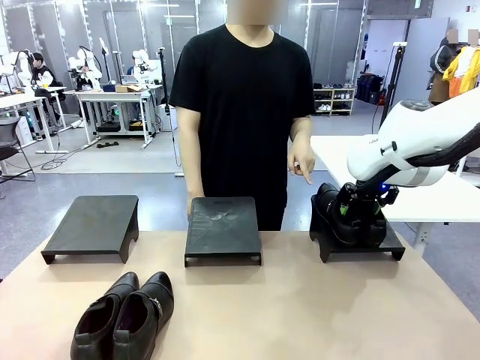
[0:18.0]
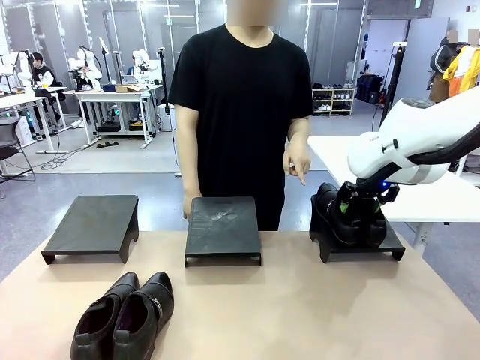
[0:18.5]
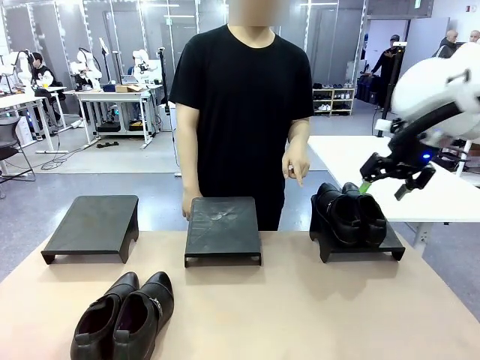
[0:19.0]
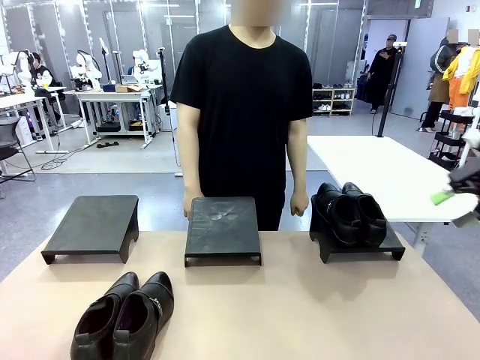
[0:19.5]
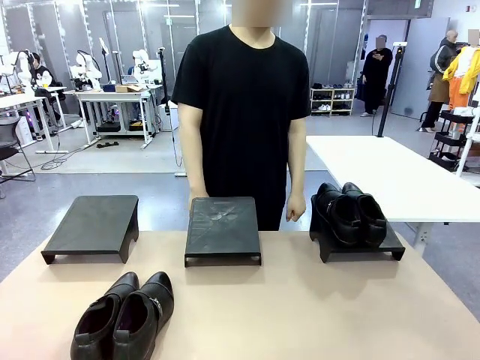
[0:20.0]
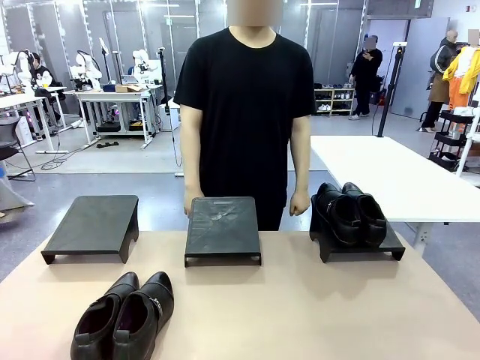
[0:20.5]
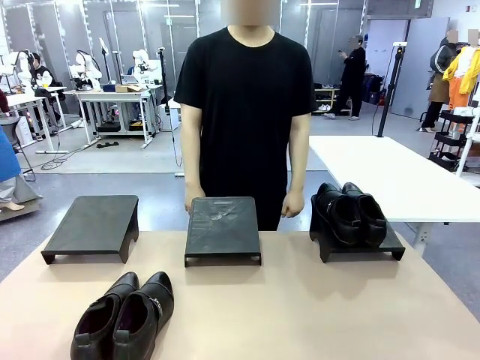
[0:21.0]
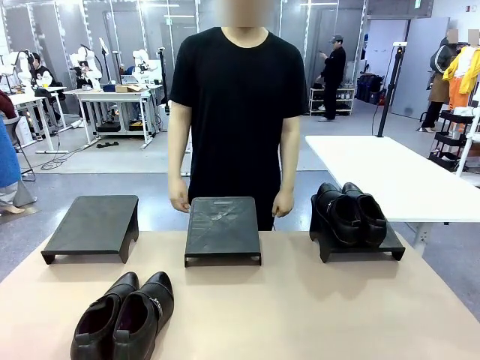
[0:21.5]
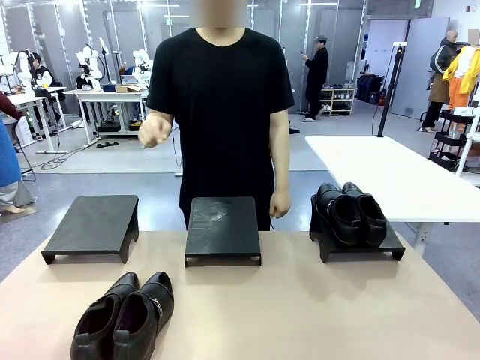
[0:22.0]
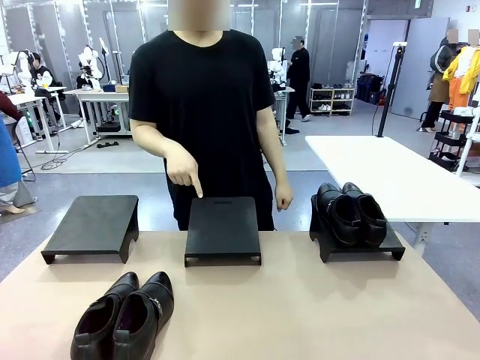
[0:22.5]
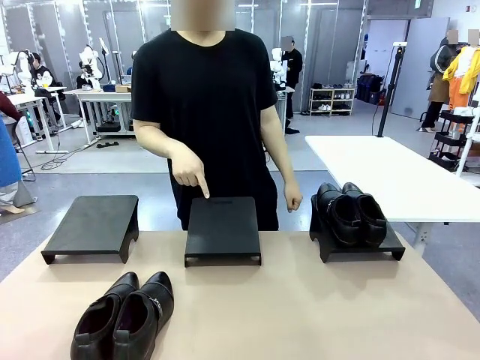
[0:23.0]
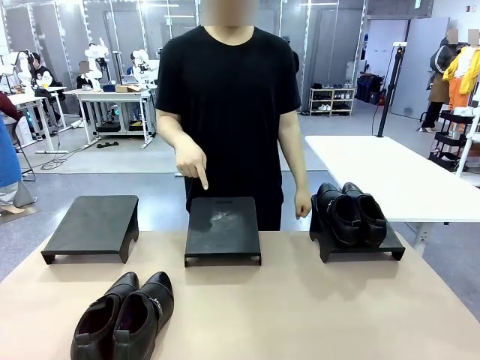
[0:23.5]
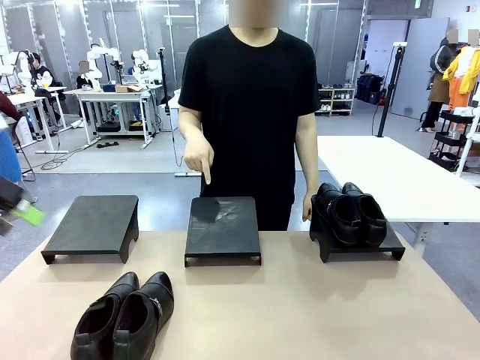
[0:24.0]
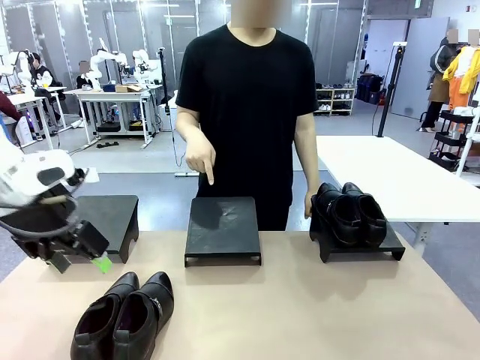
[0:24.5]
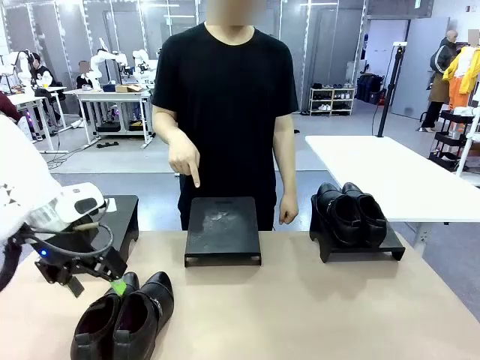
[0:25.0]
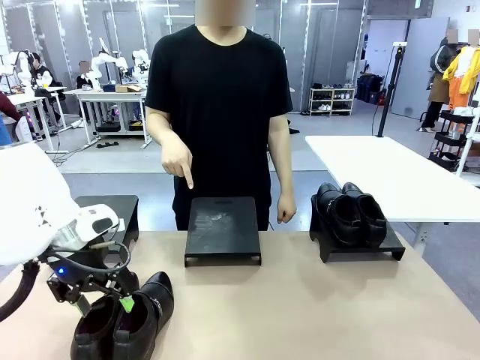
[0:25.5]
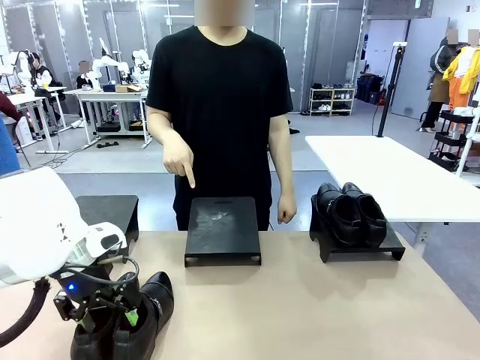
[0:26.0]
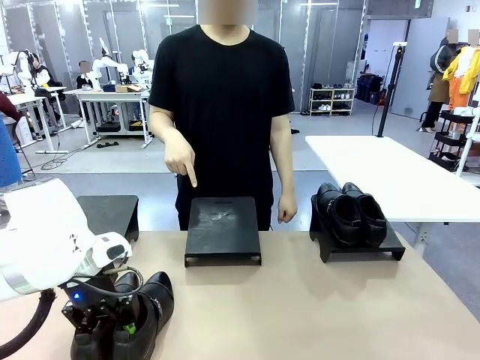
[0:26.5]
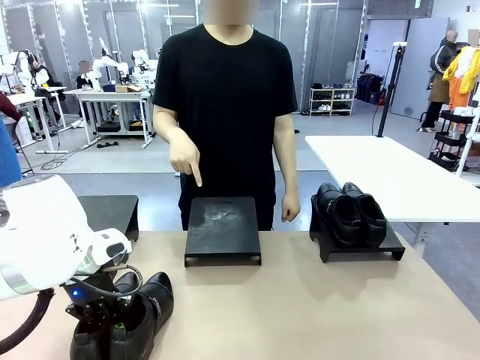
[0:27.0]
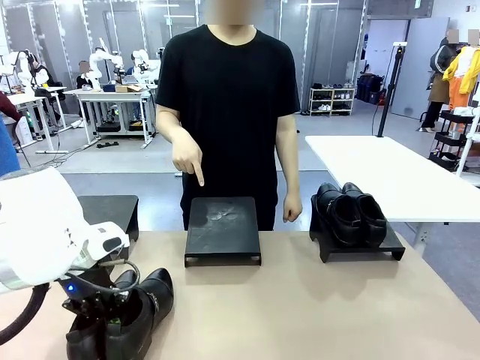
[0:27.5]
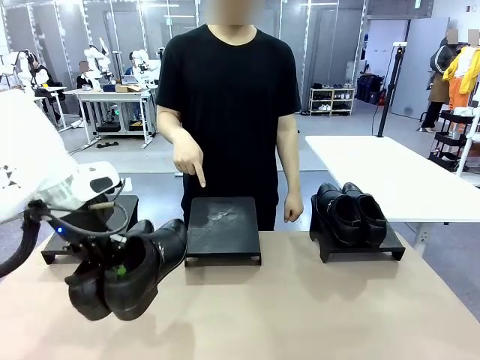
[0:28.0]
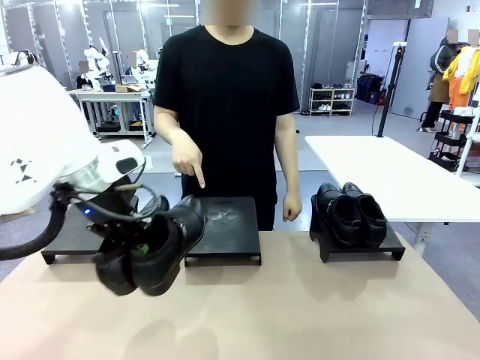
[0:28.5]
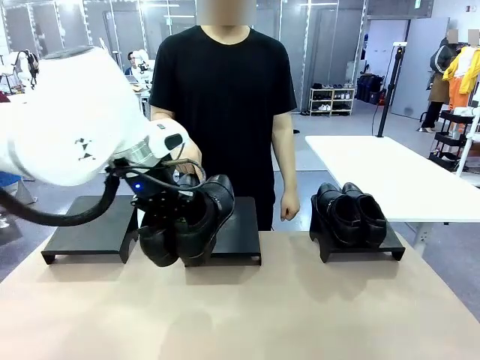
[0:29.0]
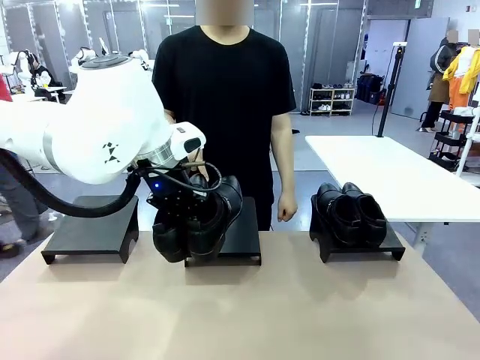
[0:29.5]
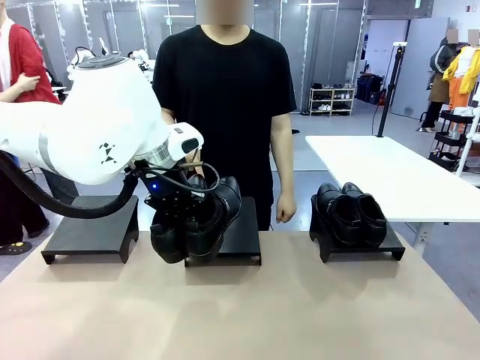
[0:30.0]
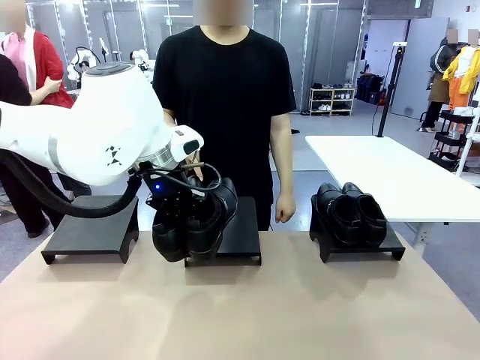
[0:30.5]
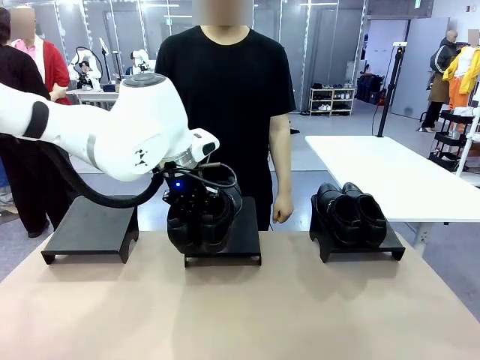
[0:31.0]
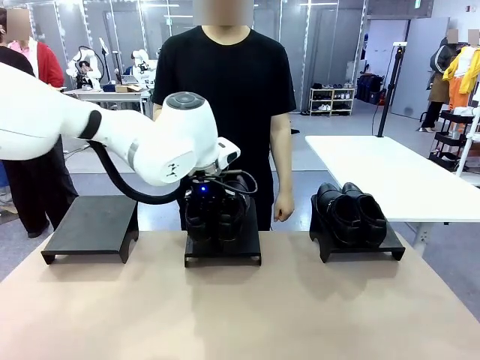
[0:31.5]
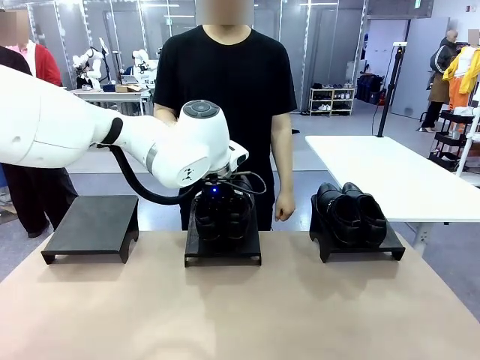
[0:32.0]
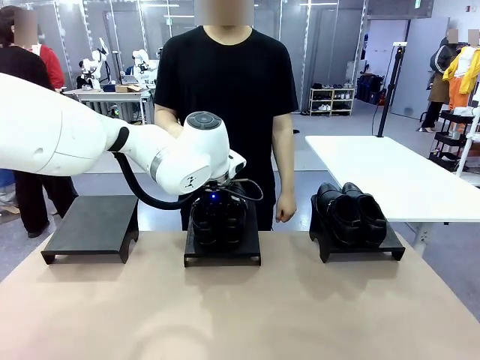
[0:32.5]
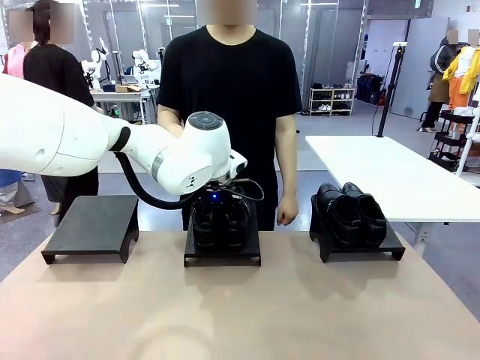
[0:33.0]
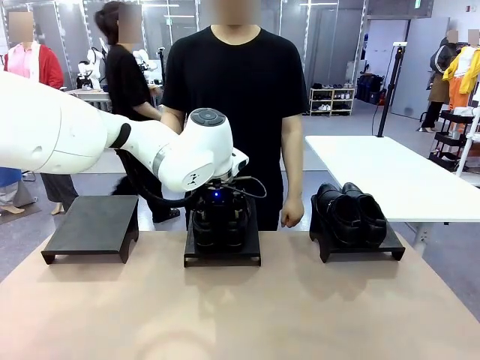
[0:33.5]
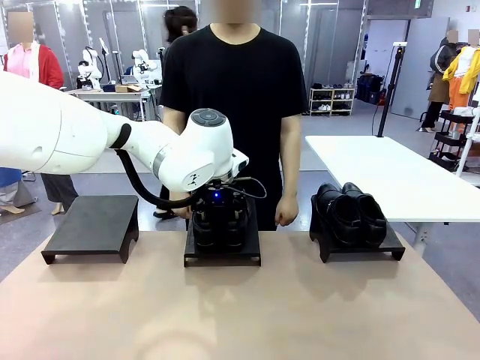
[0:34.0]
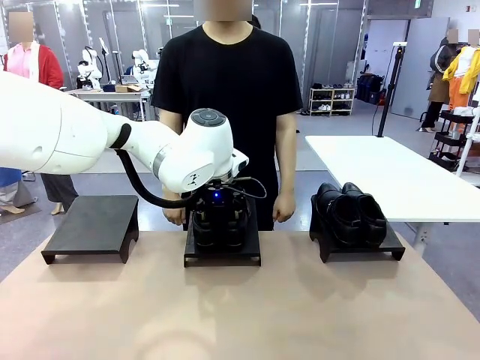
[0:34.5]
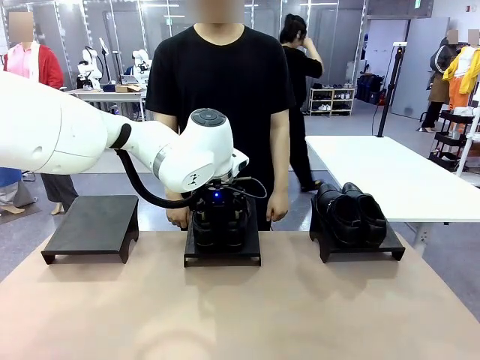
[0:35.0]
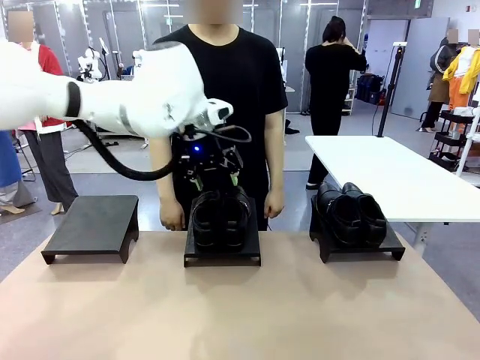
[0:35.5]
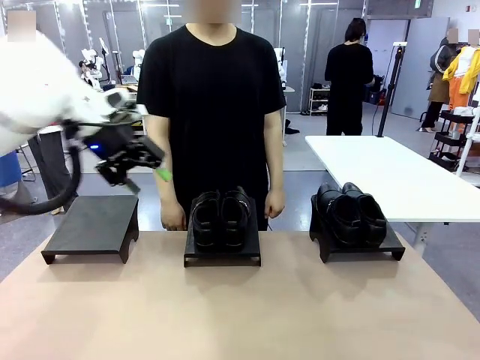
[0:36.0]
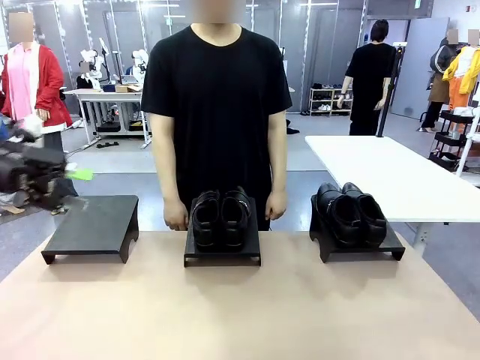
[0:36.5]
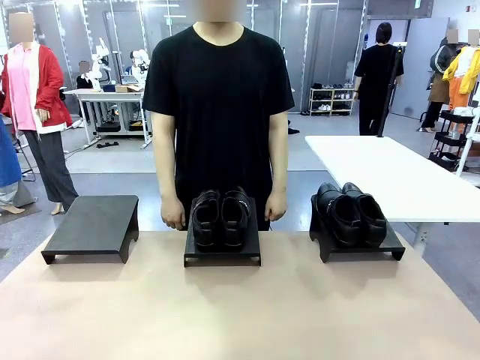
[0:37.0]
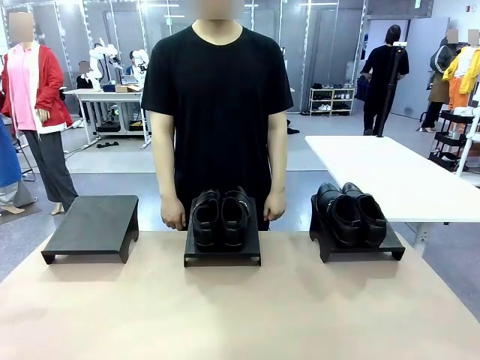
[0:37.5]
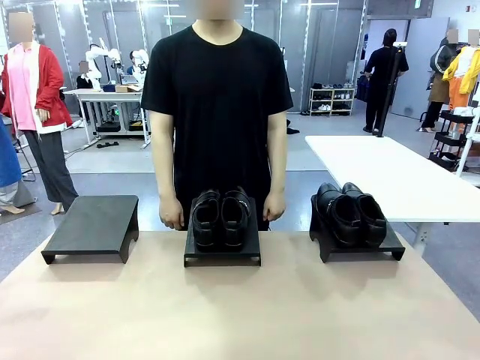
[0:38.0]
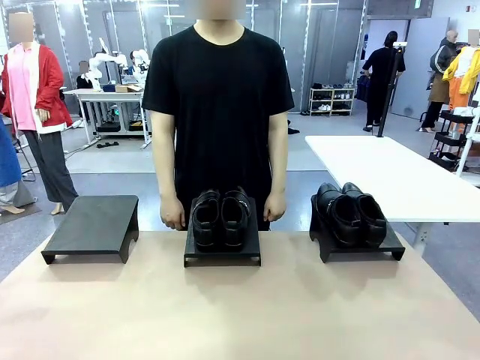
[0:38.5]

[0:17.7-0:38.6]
Task: Place the shoes on the stand as instructed by the person.
Robot: Pick up another pair of Shoes and place it on the Shoes Stand indicated by the person.
Person: Point to one Shoes Stand.
